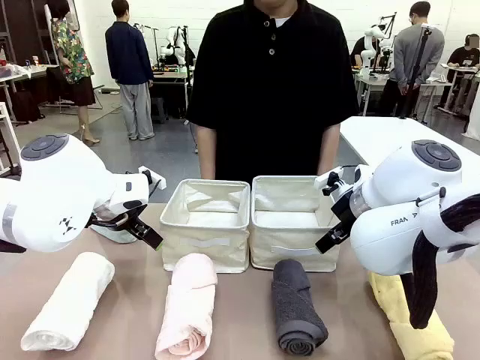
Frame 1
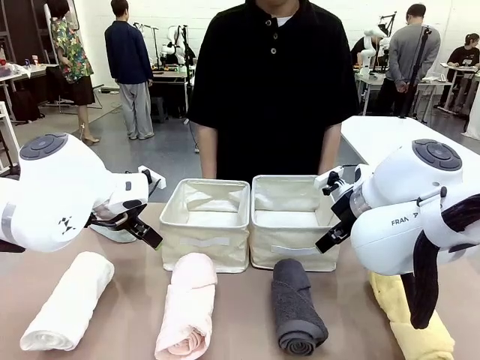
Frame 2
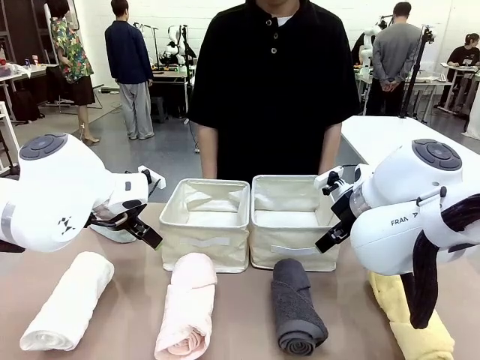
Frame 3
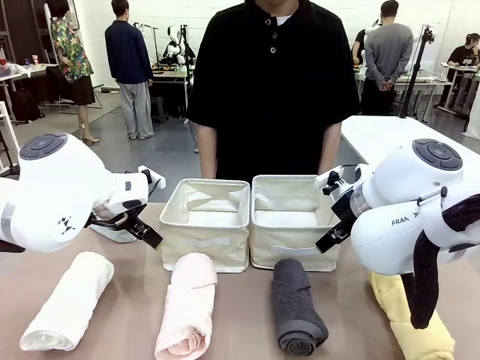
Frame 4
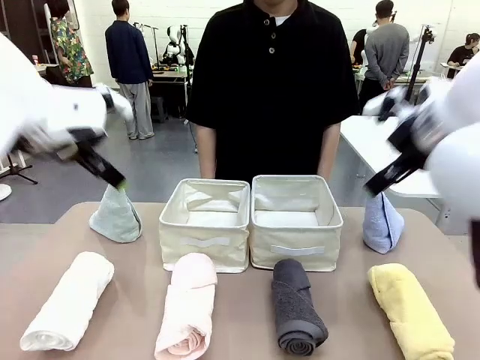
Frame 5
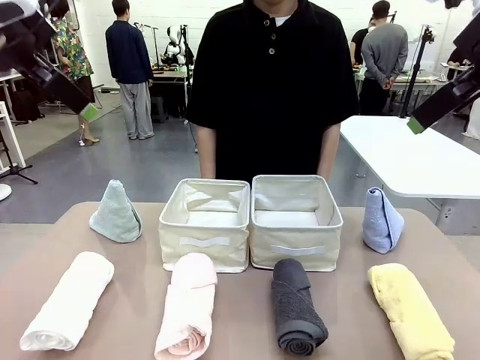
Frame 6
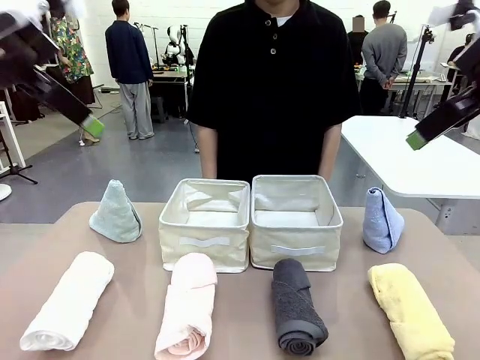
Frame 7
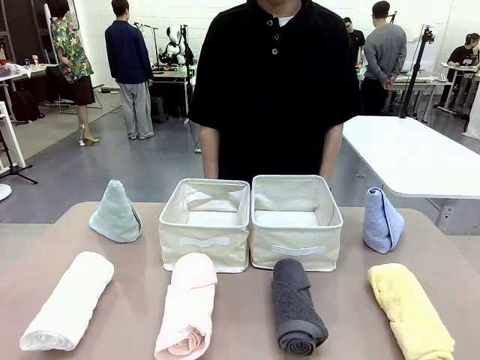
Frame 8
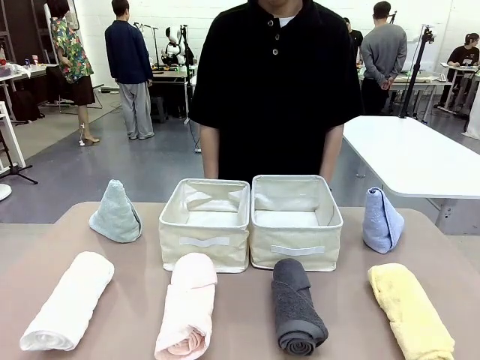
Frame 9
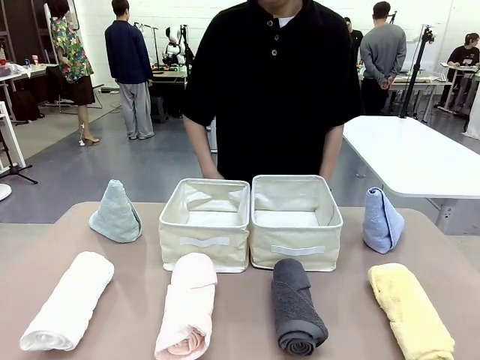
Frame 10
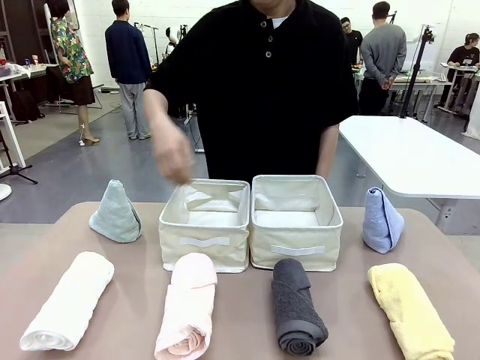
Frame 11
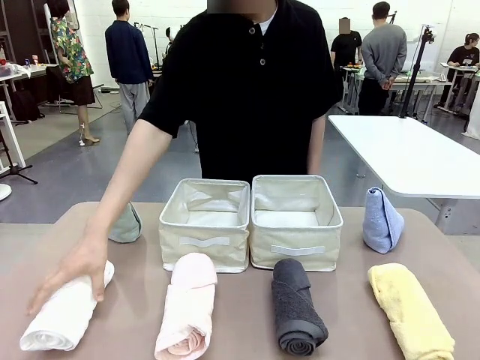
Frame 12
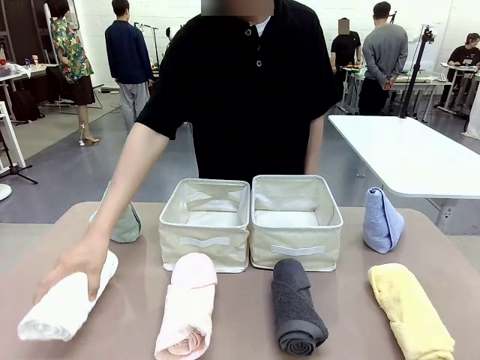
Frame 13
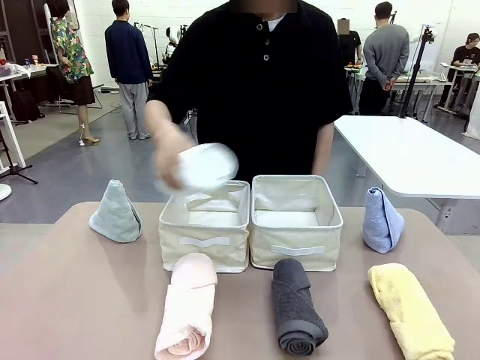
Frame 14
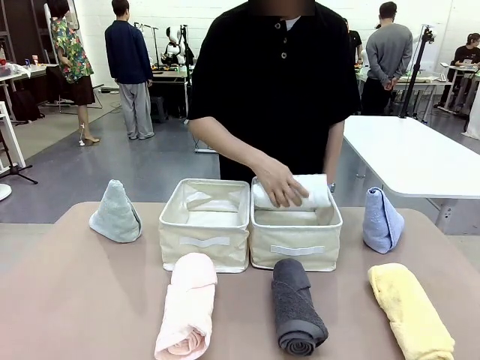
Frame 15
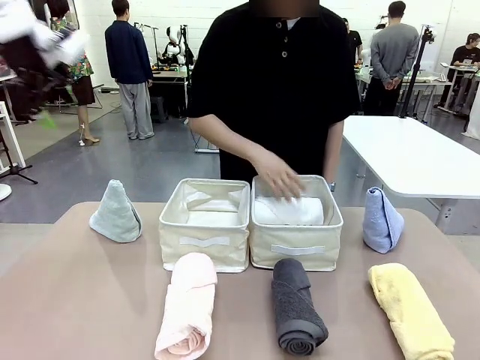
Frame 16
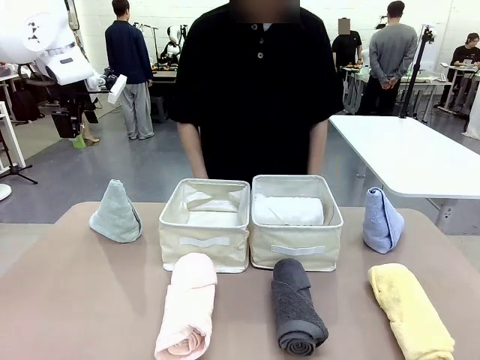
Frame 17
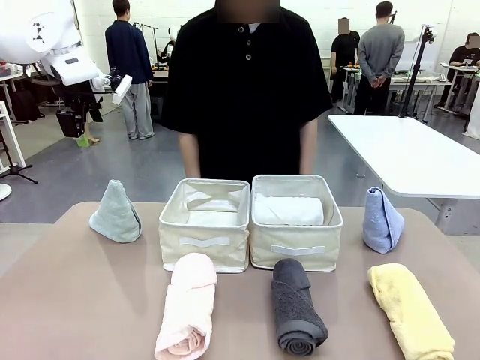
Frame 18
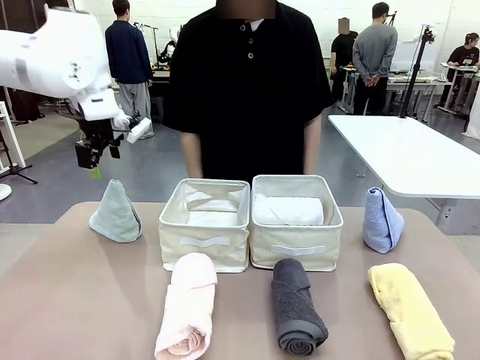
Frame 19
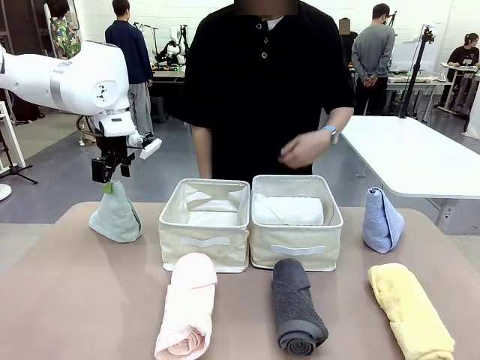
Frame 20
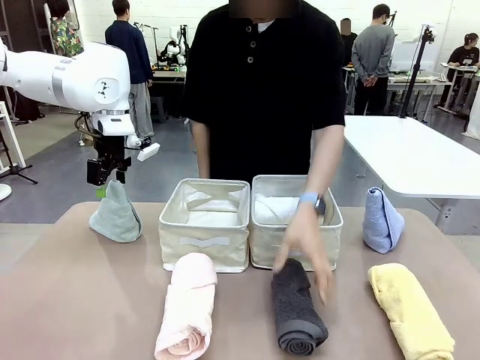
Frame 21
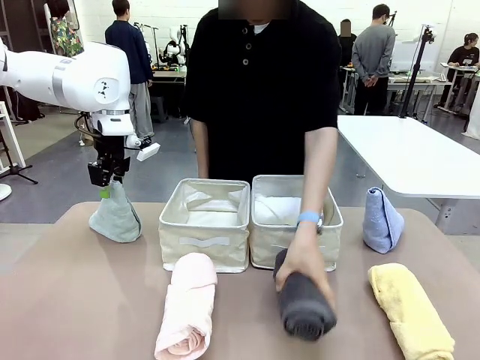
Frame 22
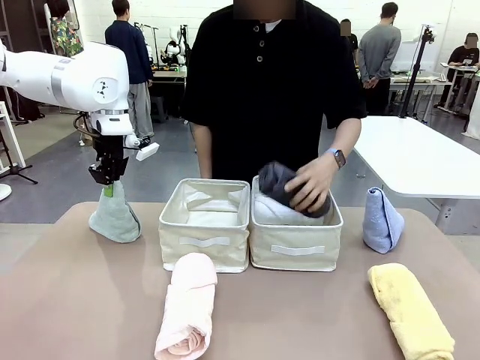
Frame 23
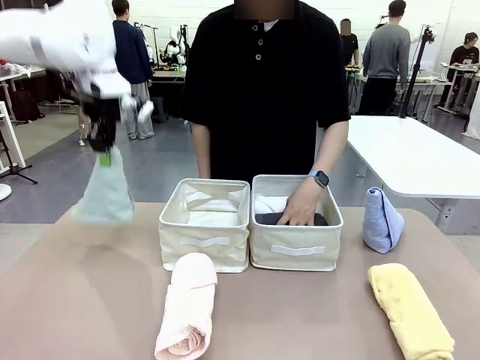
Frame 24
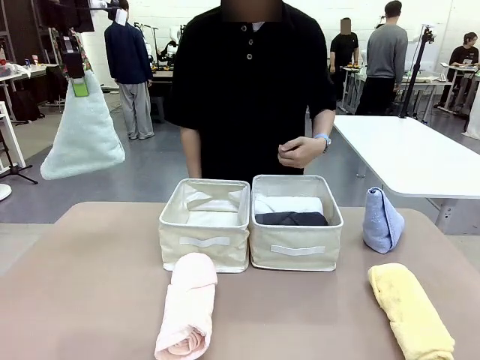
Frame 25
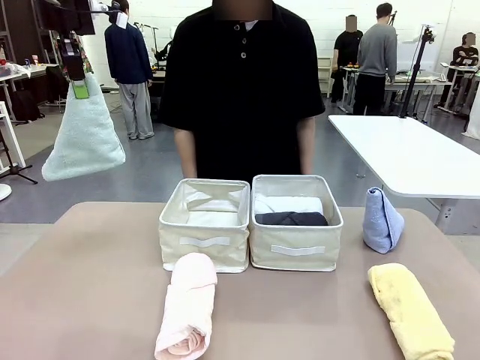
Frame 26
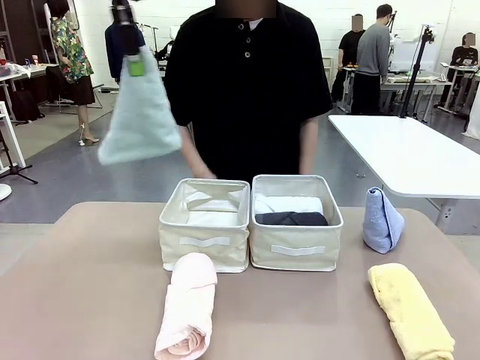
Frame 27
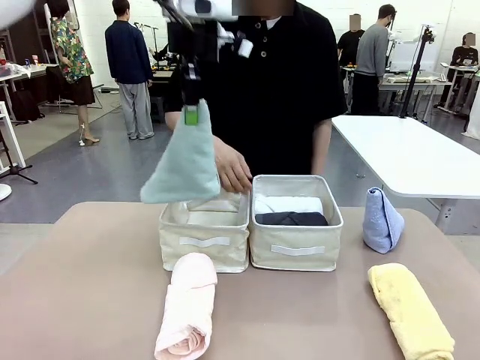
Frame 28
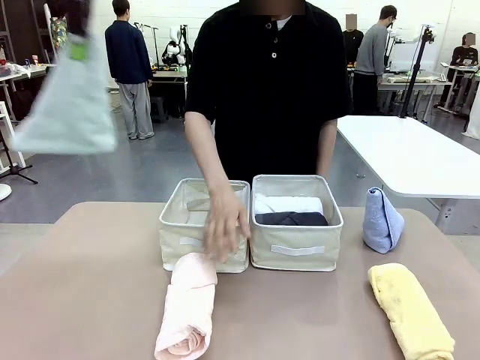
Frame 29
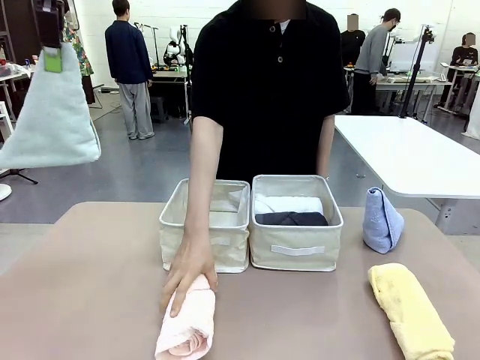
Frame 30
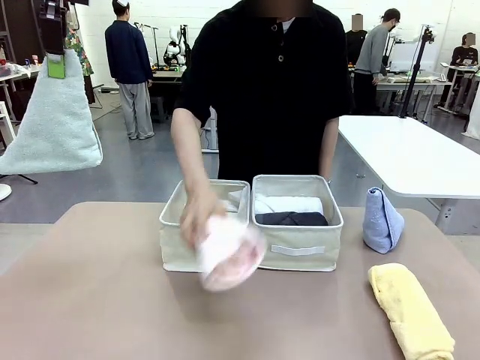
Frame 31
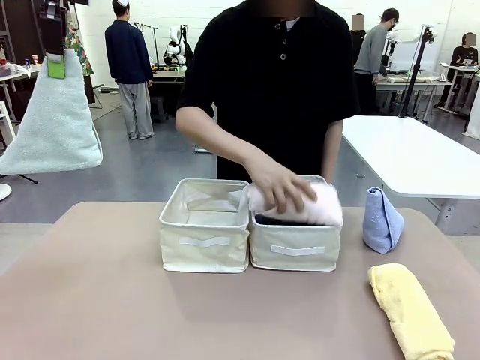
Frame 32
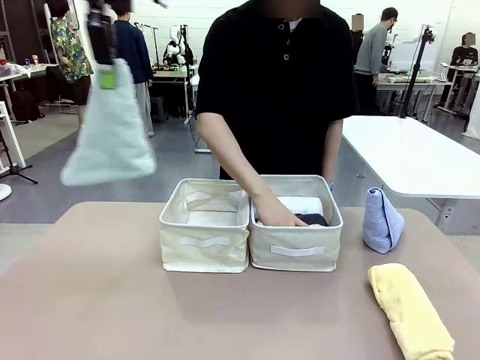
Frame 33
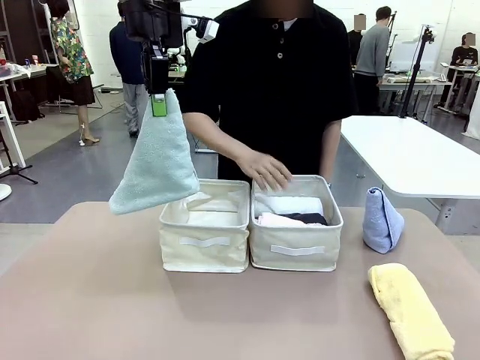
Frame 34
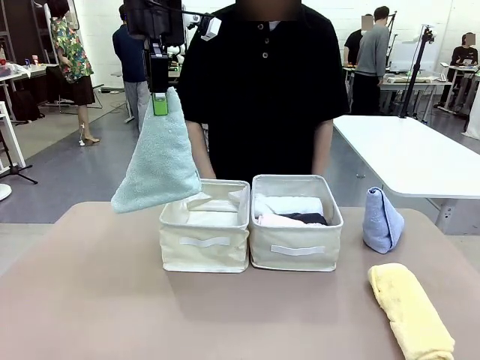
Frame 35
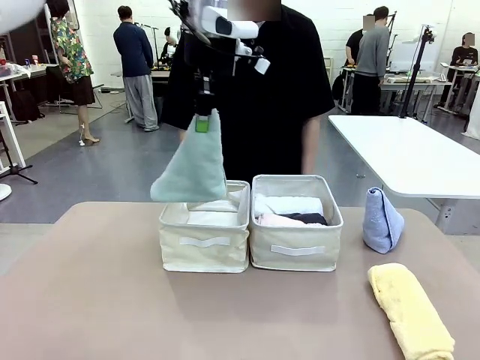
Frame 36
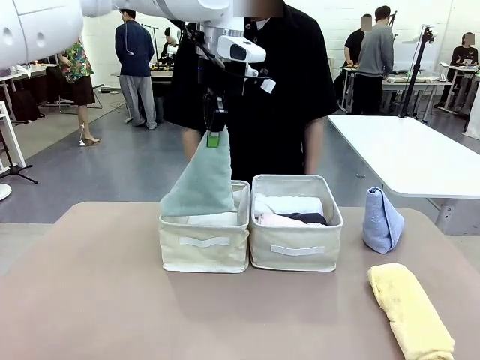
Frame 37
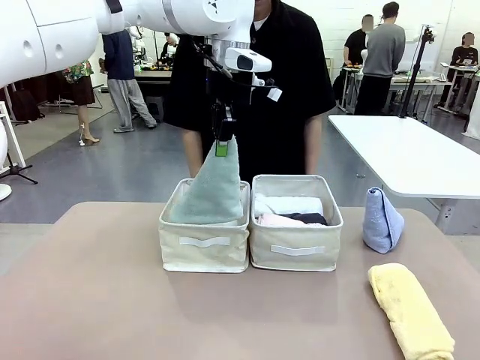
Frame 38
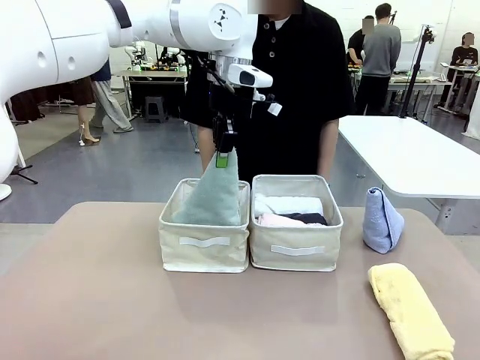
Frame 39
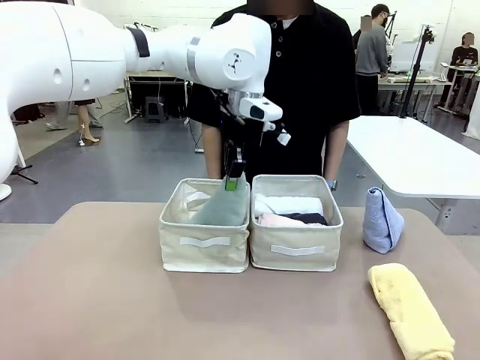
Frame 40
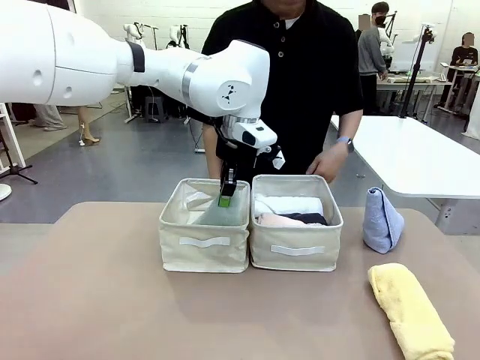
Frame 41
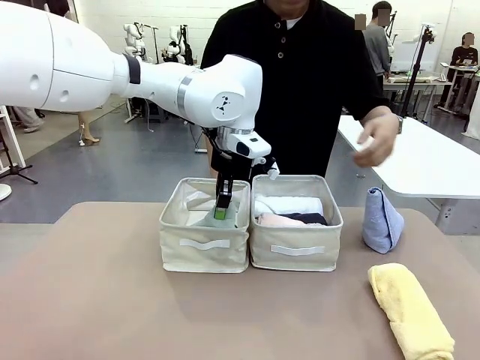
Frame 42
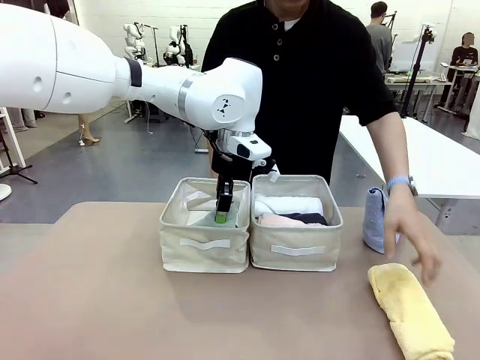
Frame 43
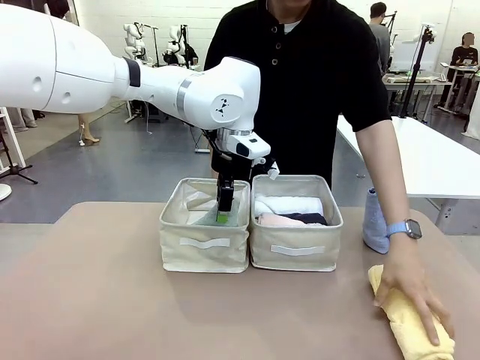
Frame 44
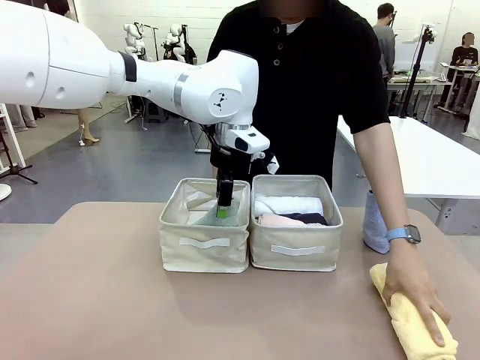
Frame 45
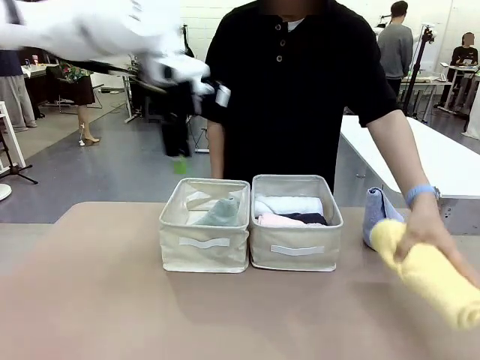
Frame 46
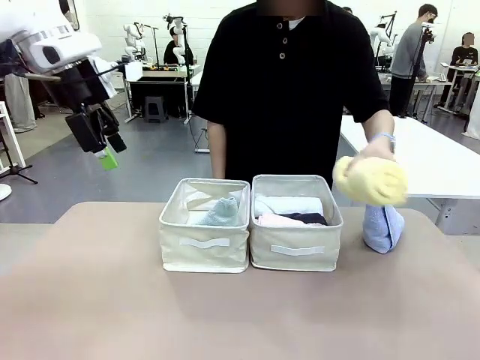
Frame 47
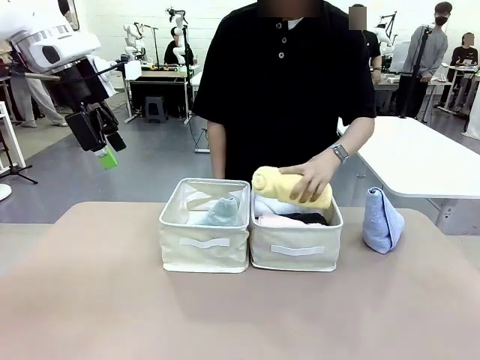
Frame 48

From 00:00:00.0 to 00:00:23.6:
Task: Sort the towels based on their folding style.
Robot: Pick up one triangle-folded towel and place it in the left Fabric basket.
Person: Pick up one hotel-style rolled towel and place it in the left fabric basket.
